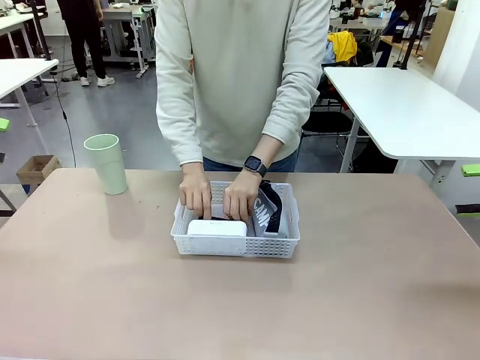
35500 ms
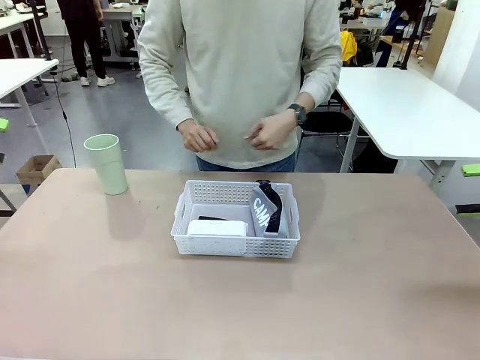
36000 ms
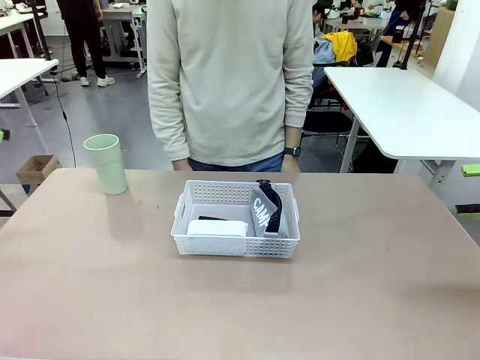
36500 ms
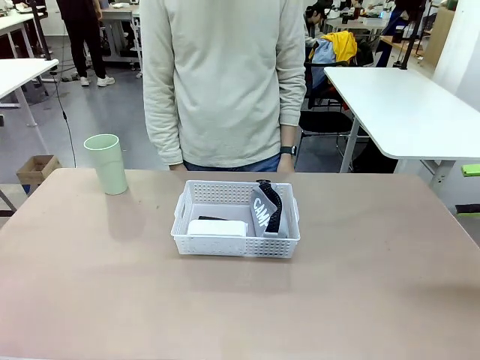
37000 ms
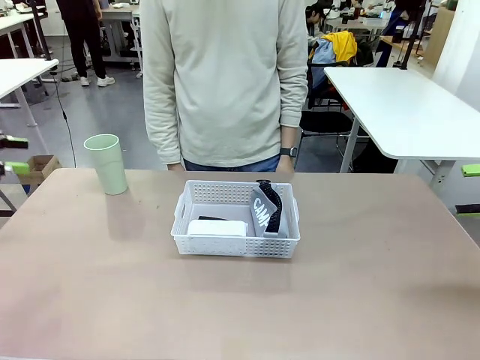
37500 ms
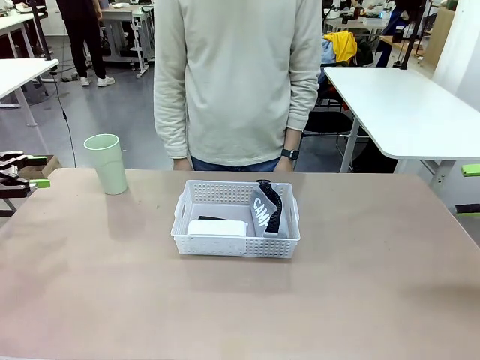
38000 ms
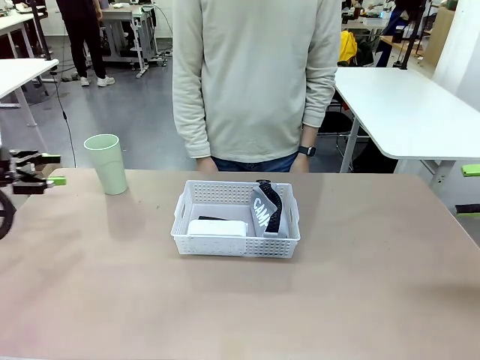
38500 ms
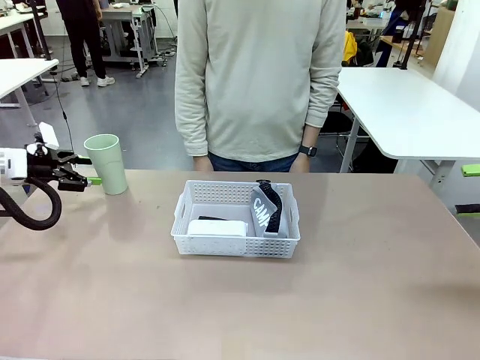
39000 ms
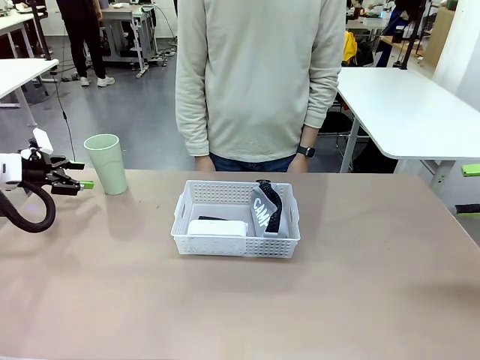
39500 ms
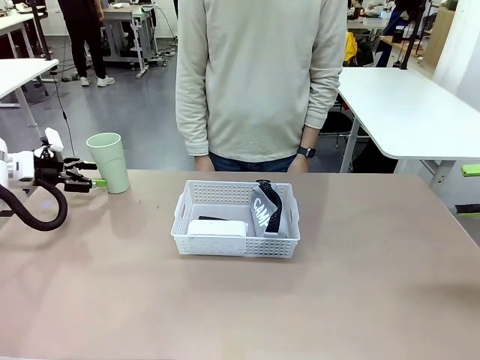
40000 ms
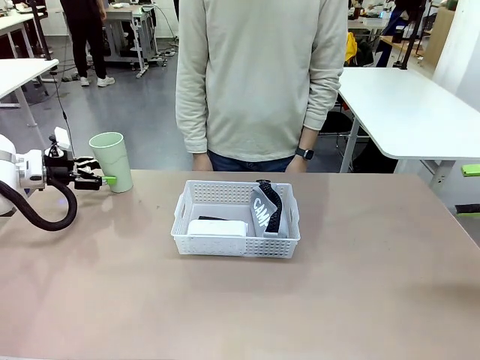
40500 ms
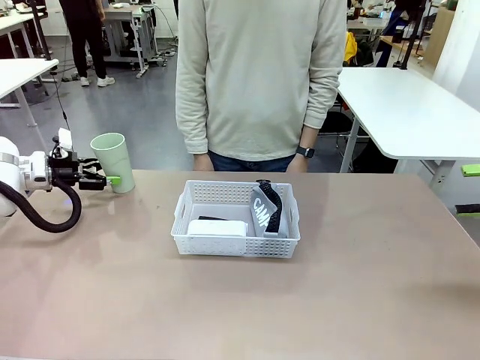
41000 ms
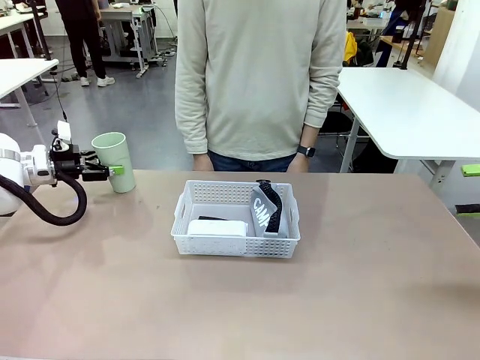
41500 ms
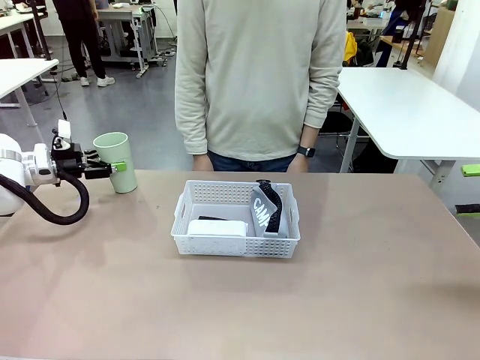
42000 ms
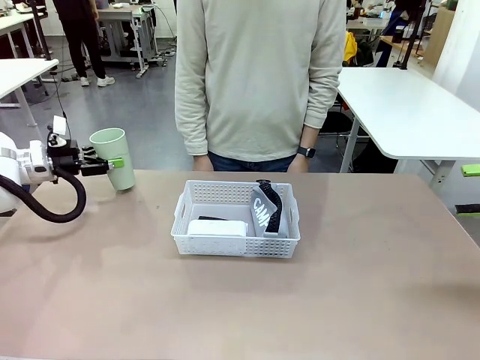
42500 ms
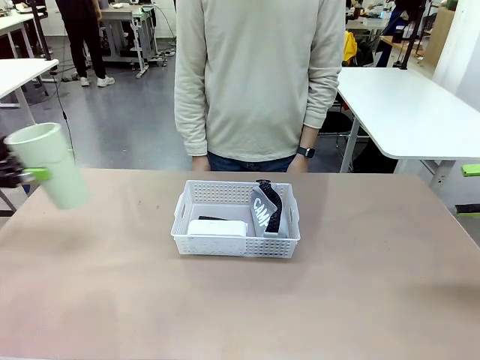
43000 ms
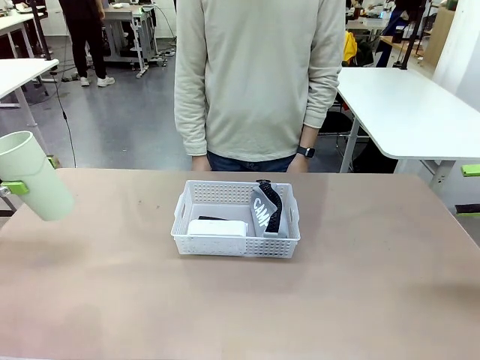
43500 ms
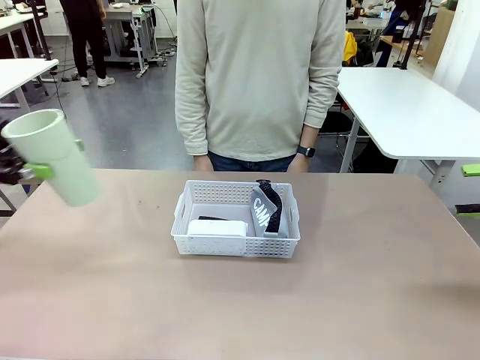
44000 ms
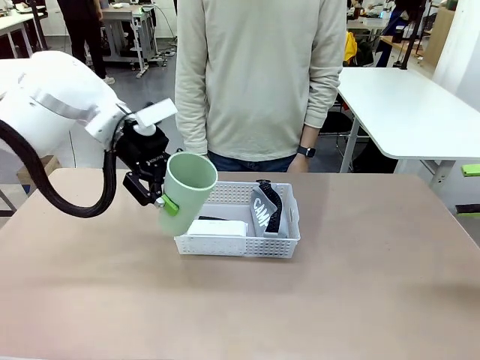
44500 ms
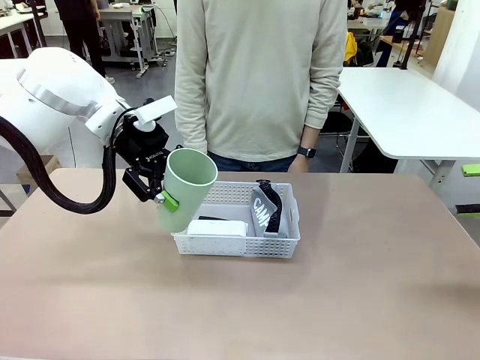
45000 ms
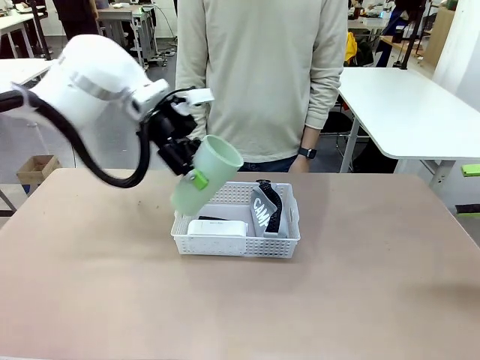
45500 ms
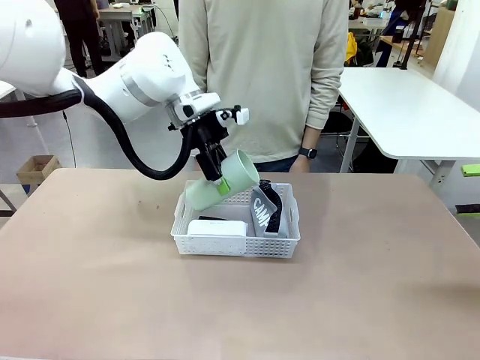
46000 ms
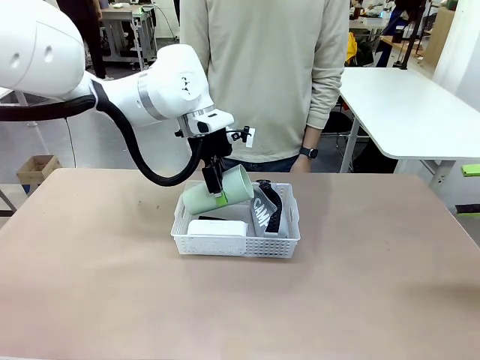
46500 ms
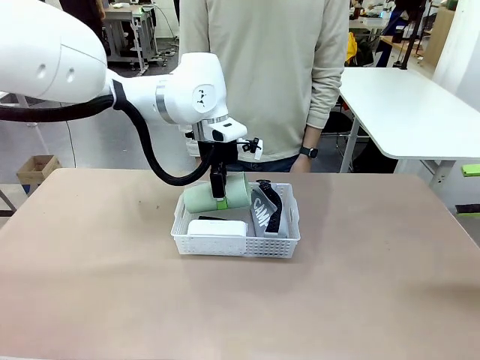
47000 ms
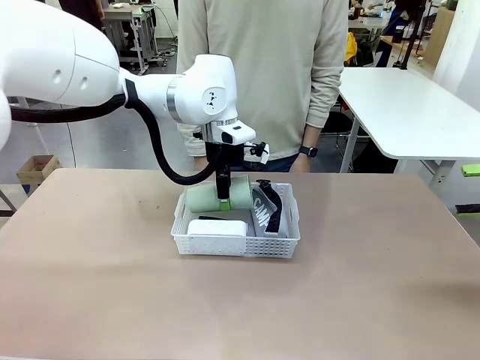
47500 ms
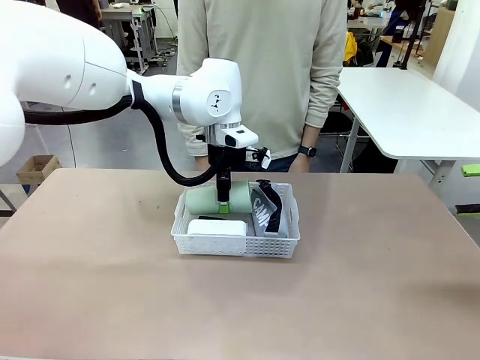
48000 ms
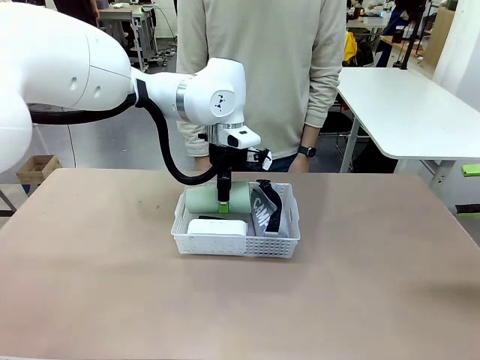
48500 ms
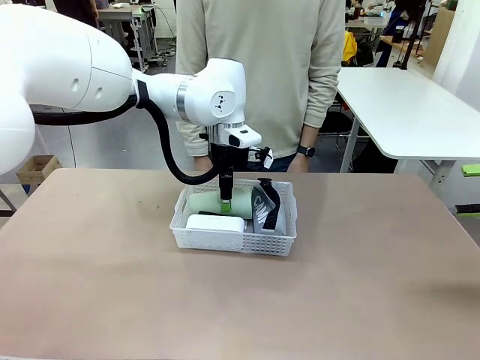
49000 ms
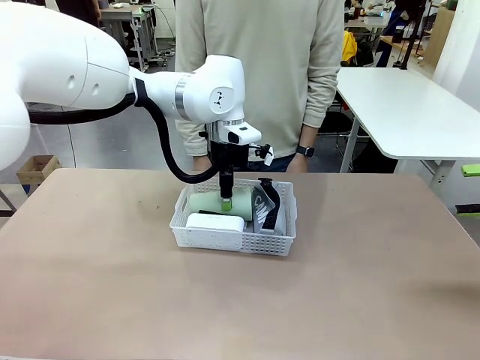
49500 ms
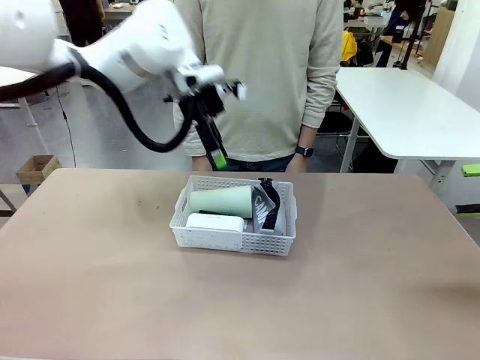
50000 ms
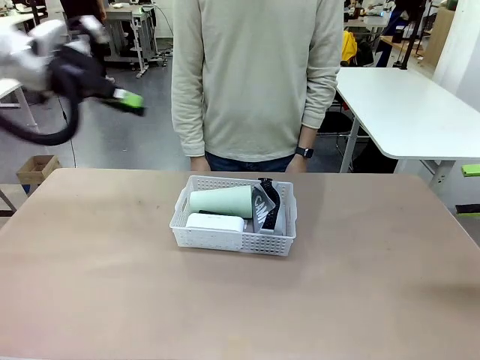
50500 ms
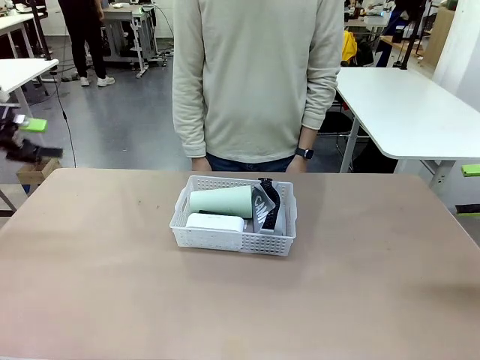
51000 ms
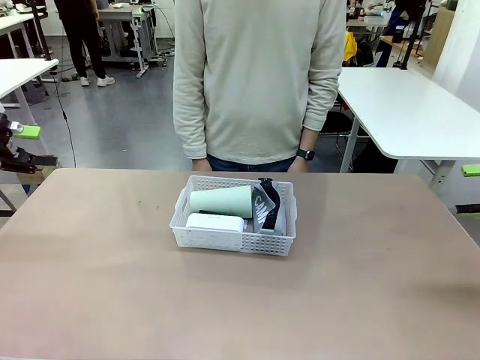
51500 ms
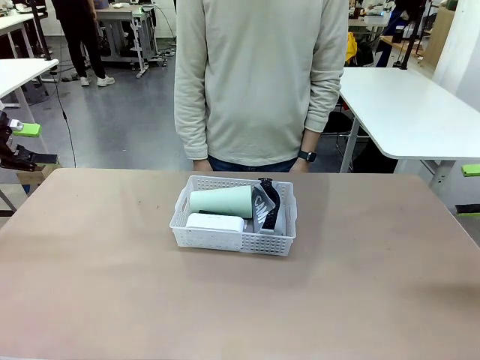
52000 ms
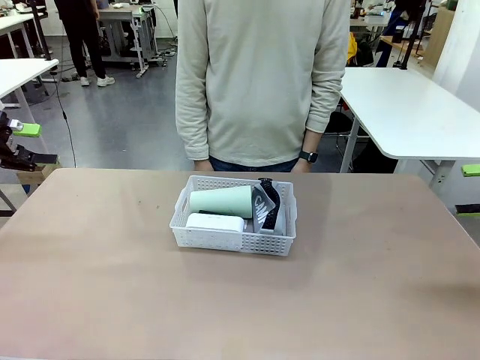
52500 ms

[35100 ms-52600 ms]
Task: Efficiently arrange items inside the basket to fit them all.
Robot: Pick up the Reusable plastic cup and place it inside the Organizing basket.
Person: Repositions the stapler.
